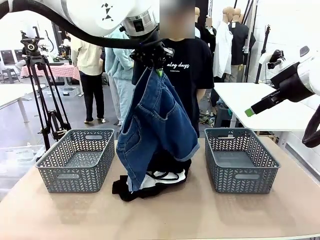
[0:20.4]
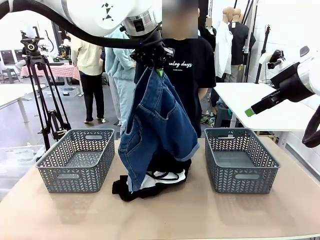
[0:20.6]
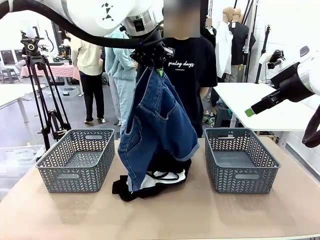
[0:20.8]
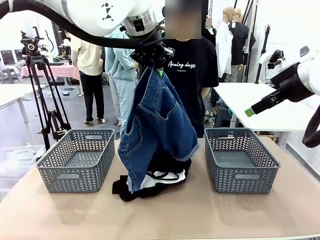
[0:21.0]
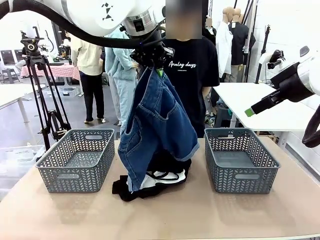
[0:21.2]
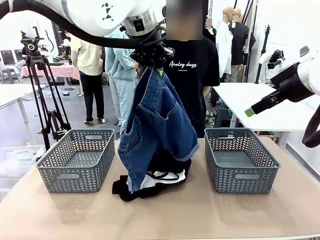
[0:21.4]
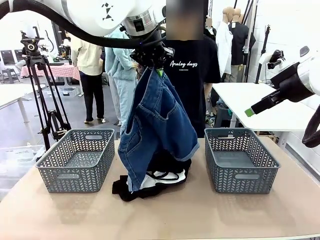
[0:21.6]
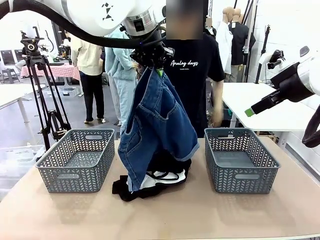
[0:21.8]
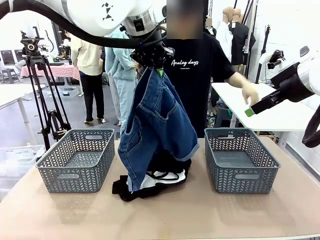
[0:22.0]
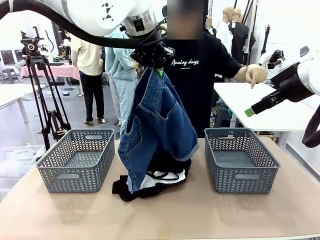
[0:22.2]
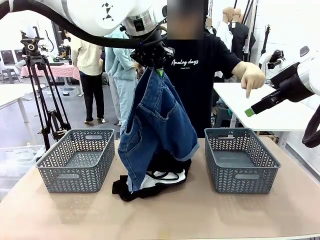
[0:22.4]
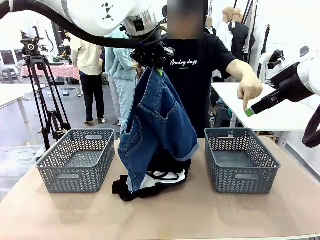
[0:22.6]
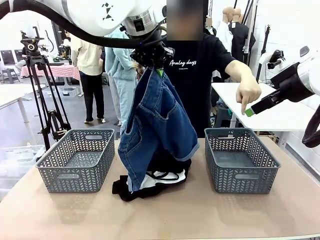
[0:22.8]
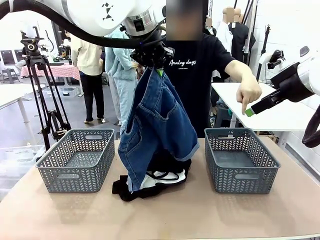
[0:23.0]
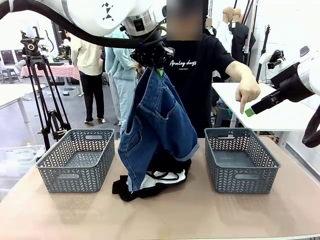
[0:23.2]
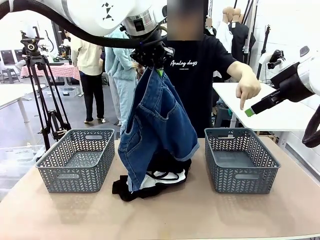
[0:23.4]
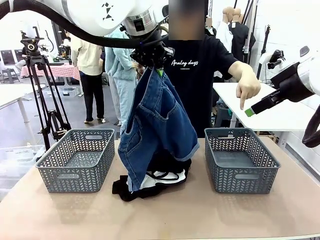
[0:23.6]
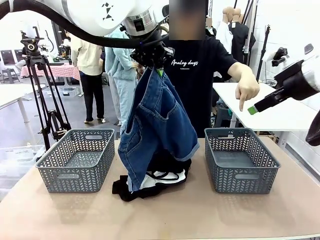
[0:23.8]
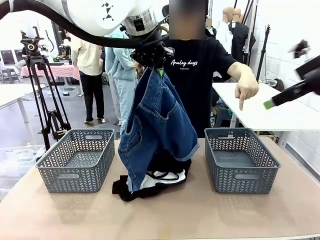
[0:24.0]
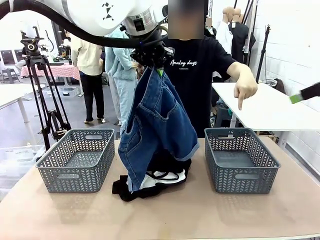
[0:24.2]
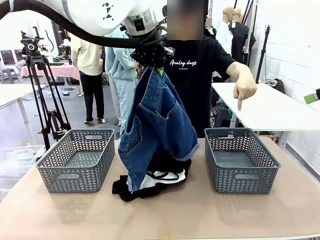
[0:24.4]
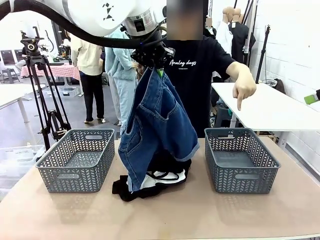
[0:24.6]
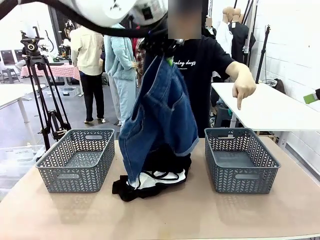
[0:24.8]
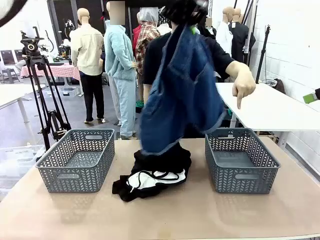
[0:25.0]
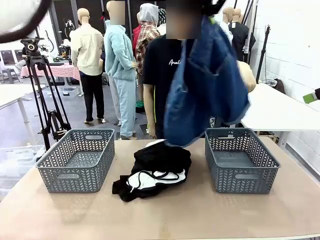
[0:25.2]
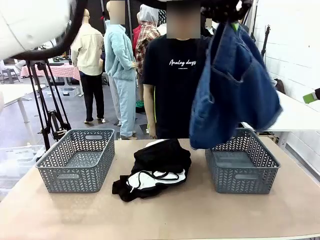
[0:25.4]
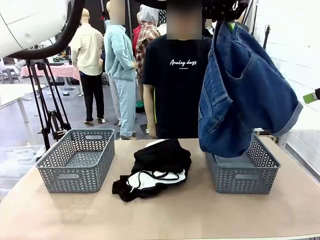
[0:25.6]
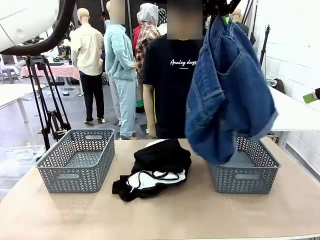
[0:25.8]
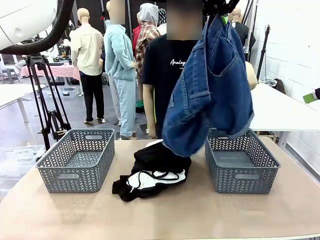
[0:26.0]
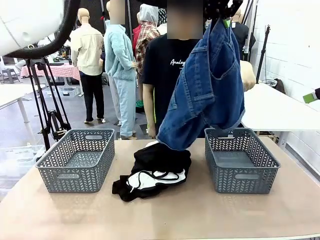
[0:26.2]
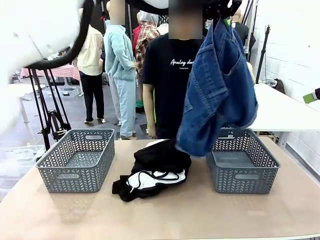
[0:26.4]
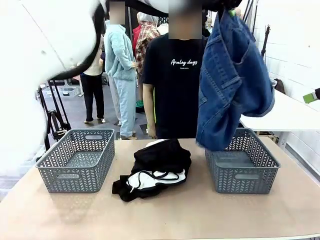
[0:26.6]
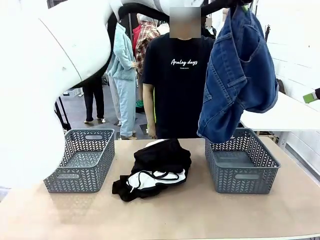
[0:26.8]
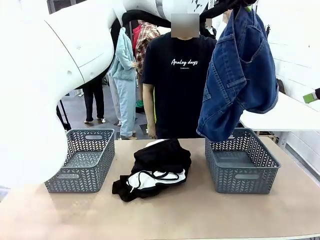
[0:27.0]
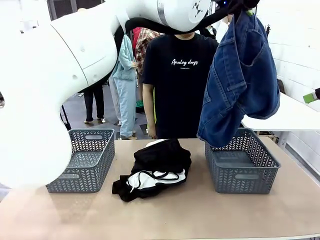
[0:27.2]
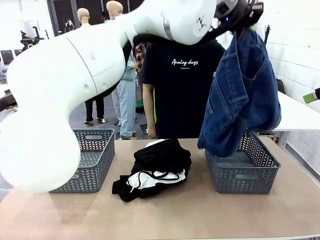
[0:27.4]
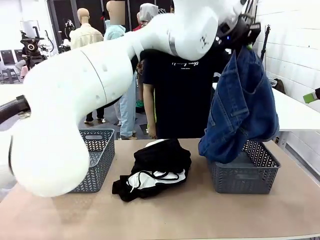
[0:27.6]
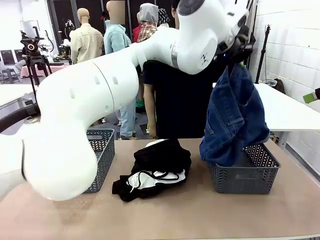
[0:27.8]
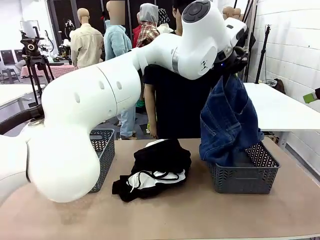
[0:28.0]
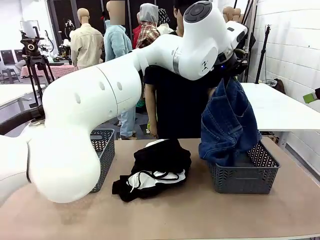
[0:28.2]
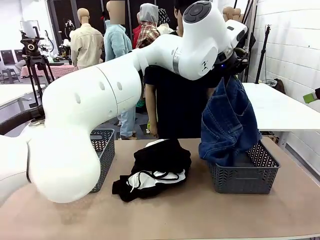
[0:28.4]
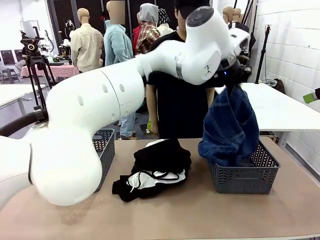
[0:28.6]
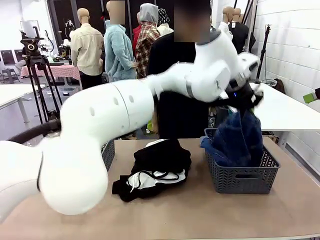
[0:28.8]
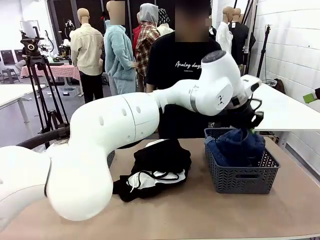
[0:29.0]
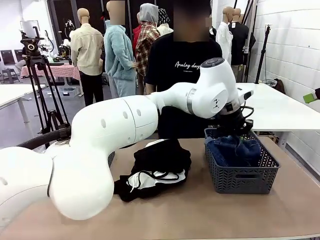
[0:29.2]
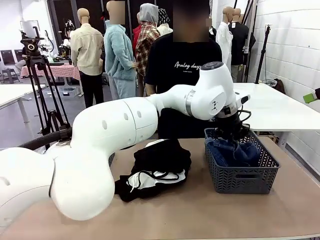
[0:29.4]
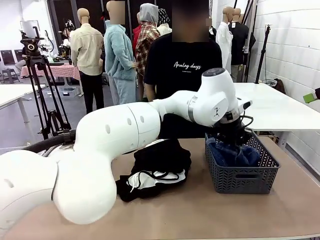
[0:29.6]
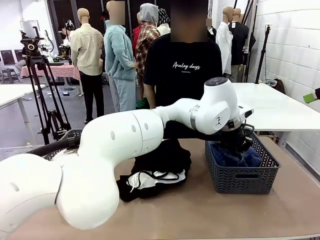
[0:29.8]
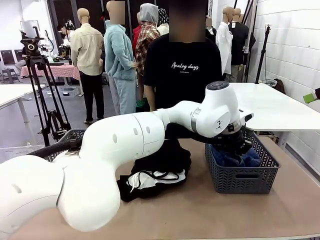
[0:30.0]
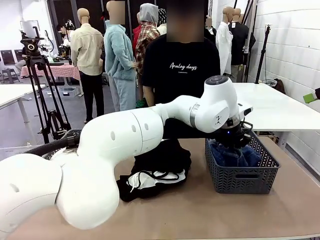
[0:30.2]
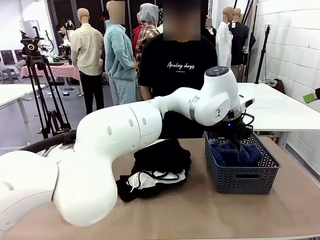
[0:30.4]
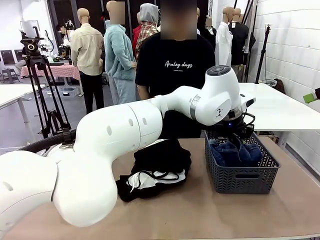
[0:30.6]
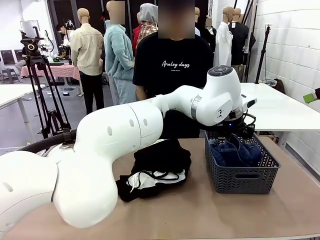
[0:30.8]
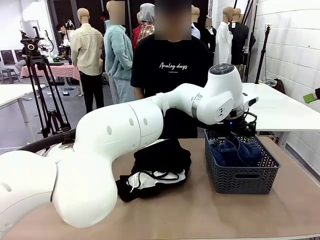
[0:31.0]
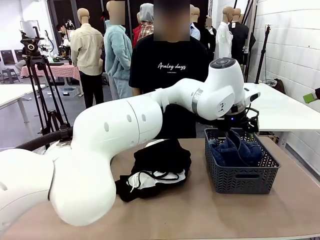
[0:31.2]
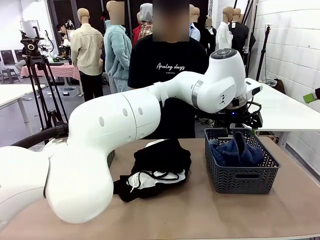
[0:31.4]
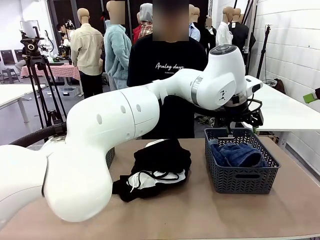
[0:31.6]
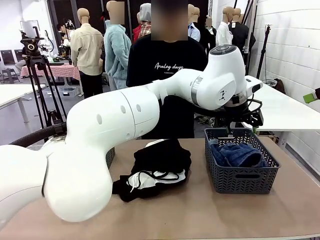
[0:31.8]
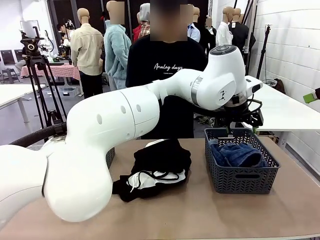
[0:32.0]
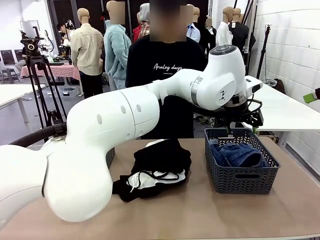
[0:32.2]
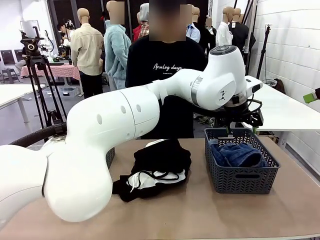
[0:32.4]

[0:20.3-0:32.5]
Task: Sort the tops and bottoms.
Robot: Sort the clothes according to human instructions.

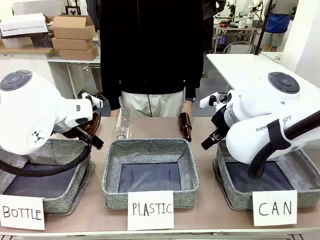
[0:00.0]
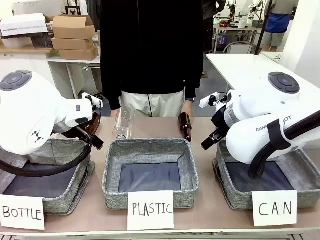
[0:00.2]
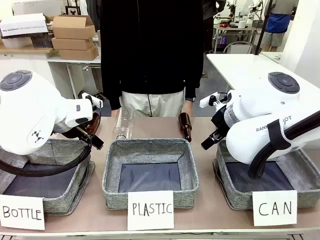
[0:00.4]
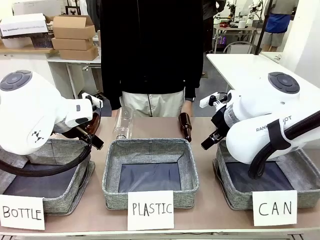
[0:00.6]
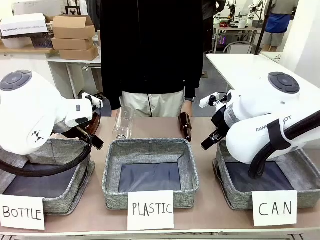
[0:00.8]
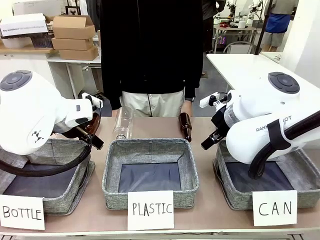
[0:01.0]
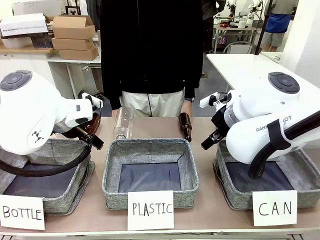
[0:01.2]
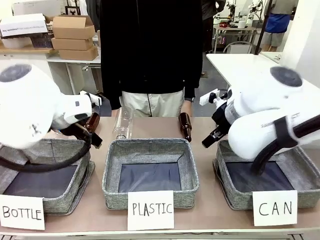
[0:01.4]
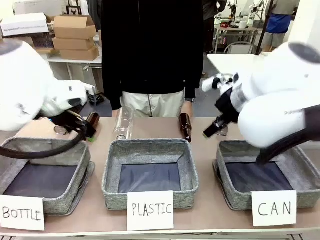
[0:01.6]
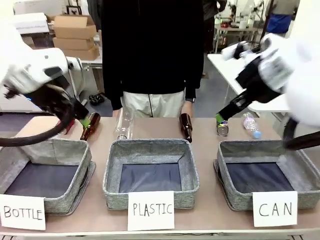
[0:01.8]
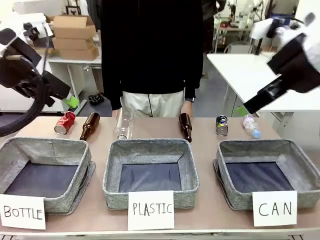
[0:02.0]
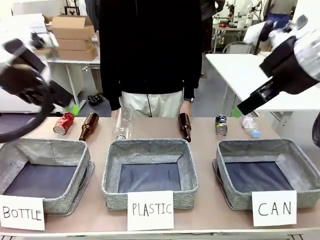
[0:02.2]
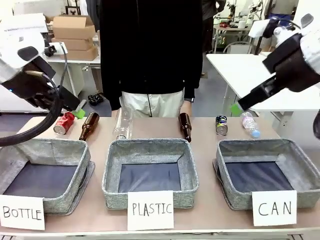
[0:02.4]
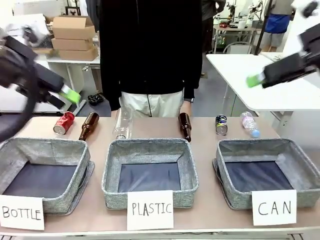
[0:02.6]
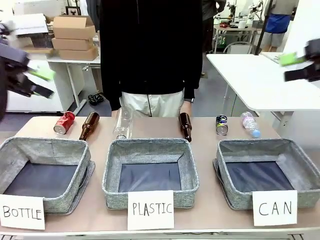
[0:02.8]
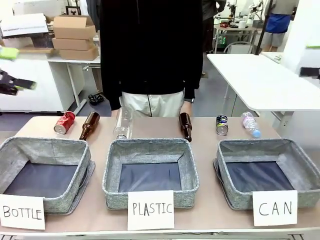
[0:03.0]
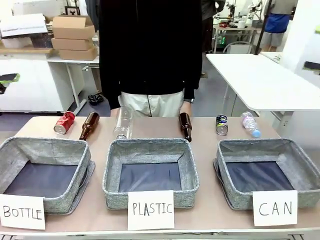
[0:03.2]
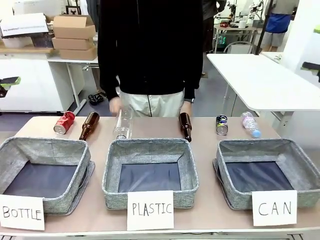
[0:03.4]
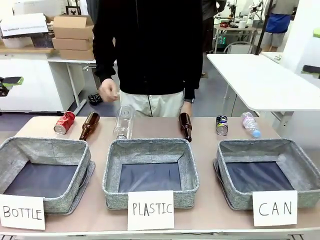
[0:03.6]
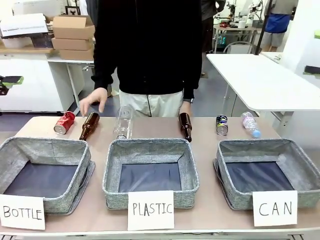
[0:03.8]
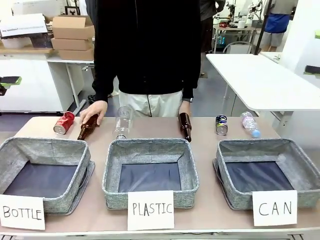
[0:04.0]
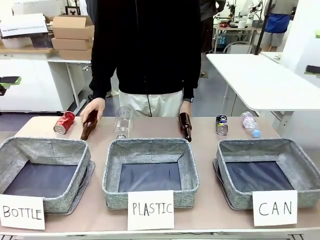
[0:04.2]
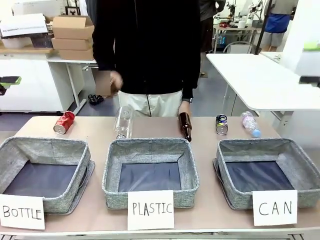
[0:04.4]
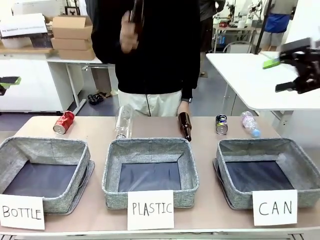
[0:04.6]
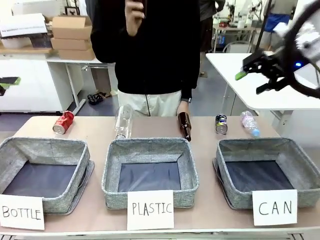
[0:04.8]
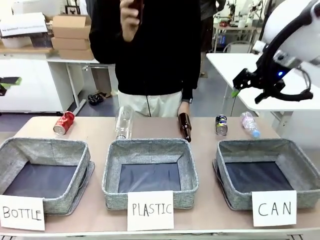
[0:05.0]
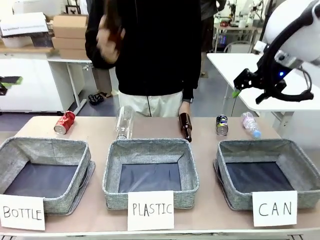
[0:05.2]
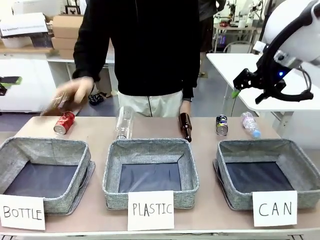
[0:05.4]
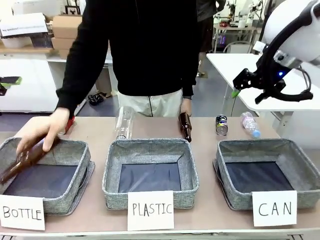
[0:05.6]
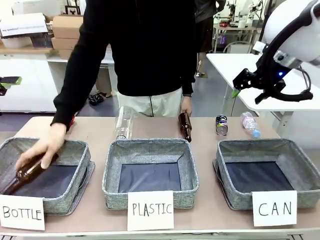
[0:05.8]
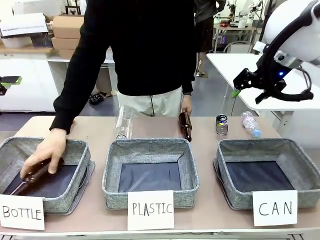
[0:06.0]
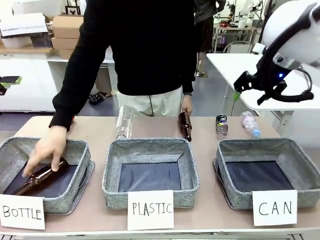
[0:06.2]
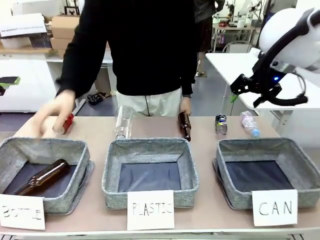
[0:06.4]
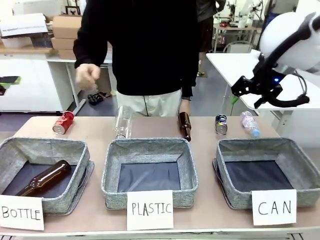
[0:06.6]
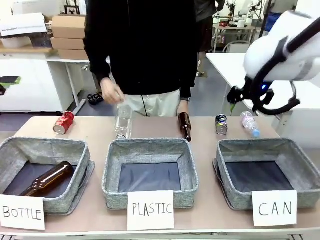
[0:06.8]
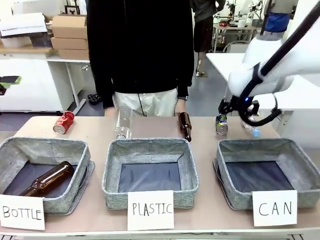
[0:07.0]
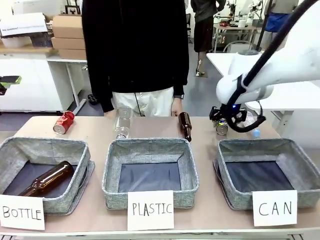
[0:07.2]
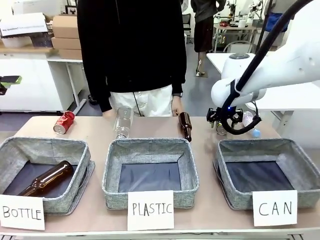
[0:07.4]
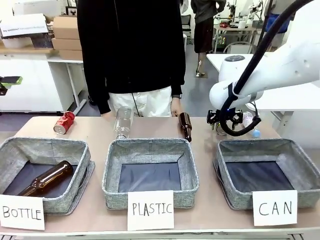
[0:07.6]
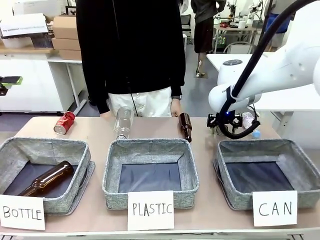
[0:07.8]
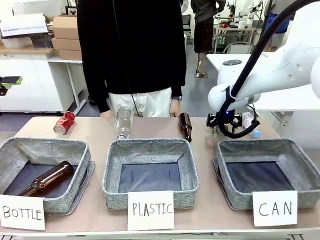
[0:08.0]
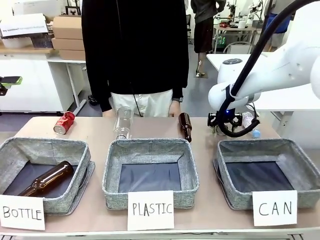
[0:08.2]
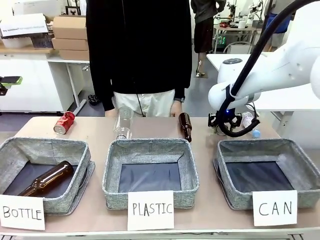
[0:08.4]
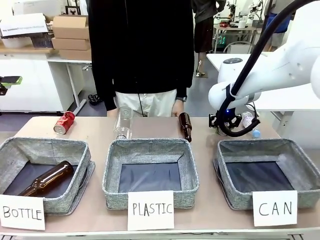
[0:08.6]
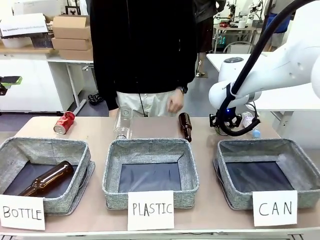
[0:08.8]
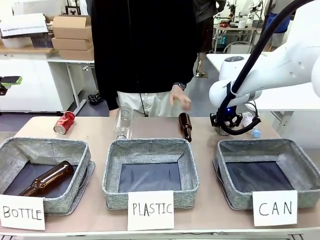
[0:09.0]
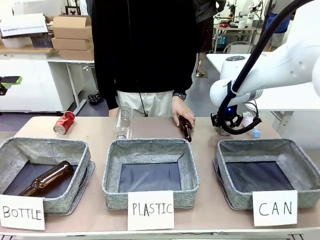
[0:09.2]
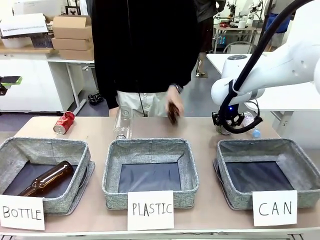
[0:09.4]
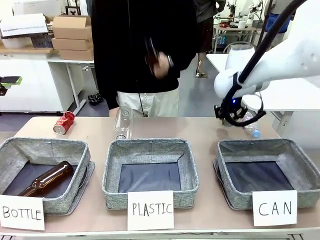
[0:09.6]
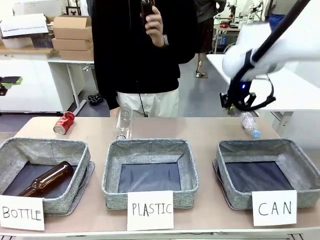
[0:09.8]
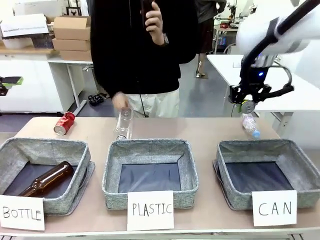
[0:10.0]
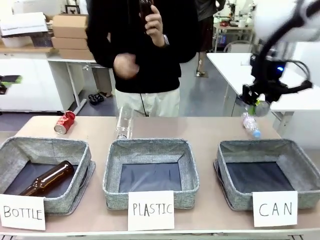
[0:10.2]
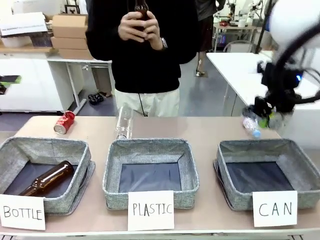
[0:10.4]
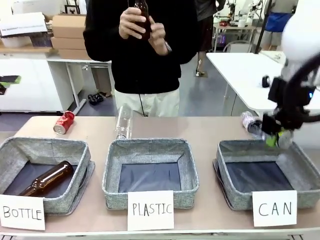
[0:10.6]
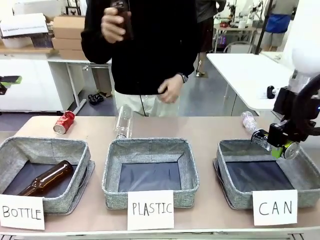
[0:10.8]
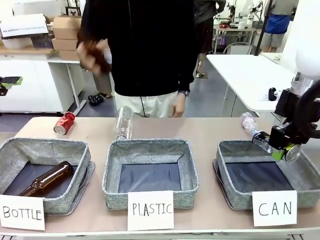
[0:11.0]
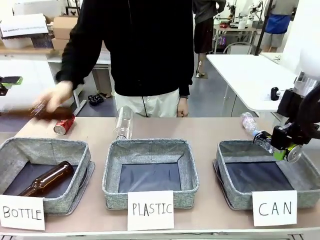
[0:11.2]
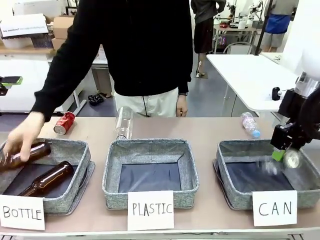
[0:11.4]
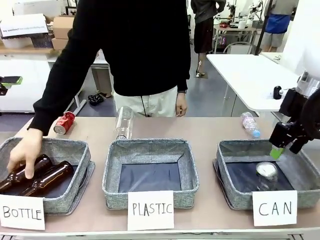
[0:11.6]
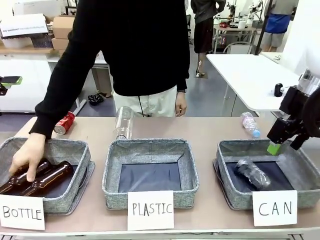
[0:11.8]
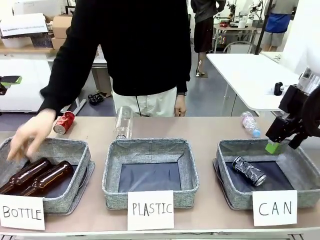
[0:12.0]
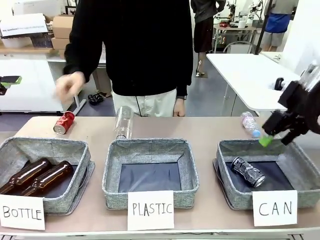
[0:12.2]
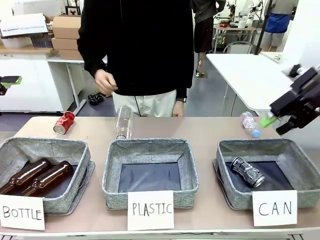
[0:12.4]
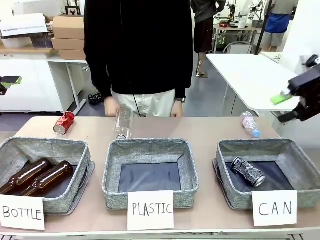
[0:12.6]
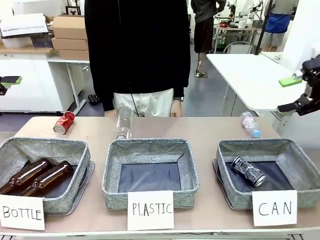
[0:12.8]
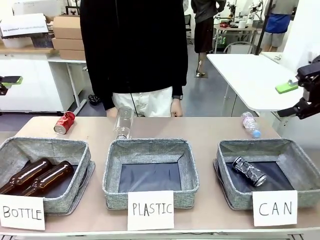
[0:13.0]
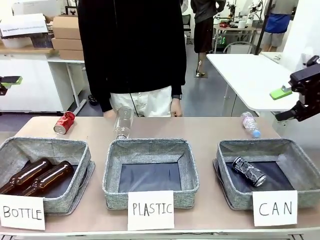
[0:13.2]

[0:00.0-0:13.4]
Task: Sort the can waste into the basket.
Robot: Pick up the can waste from the table and place it in the right Fabric basket.
